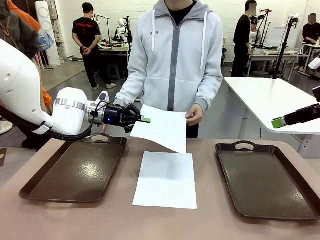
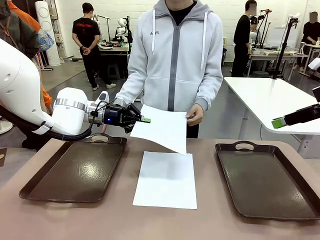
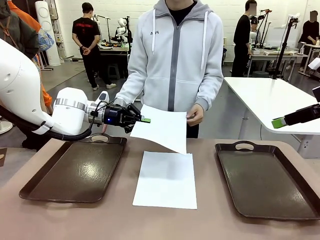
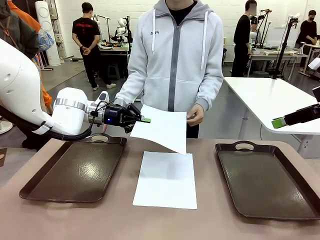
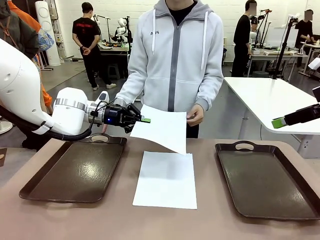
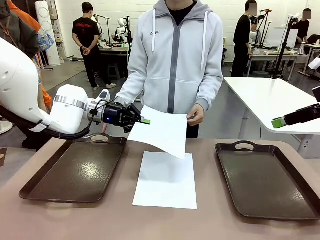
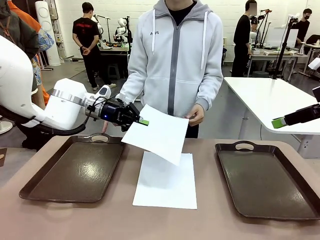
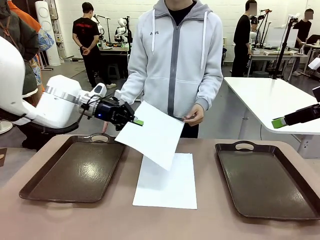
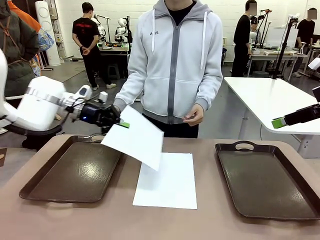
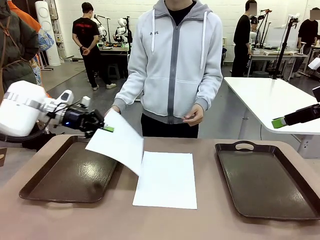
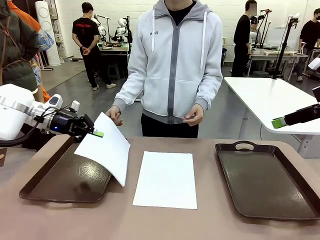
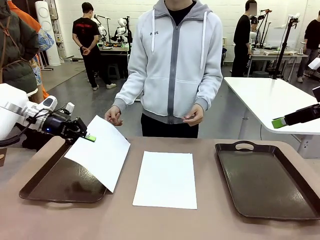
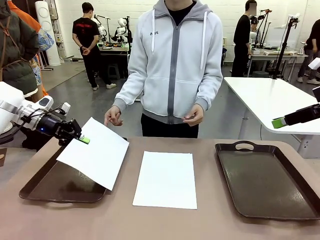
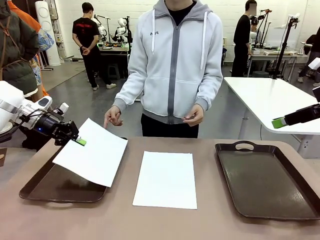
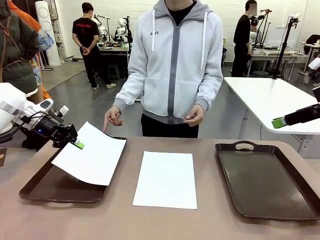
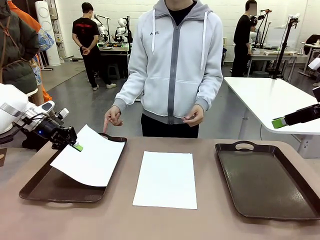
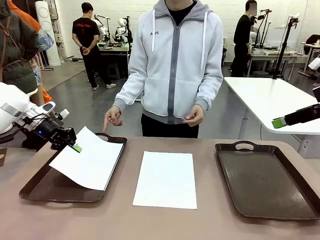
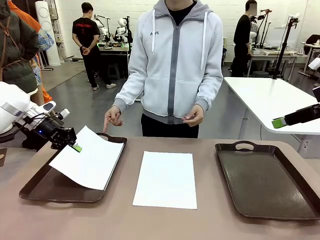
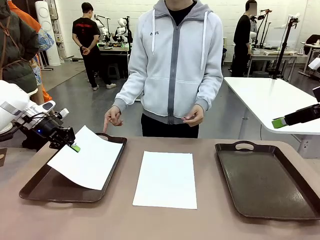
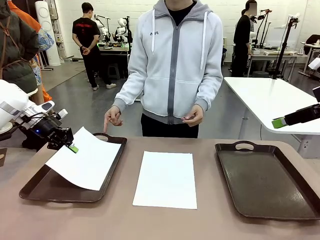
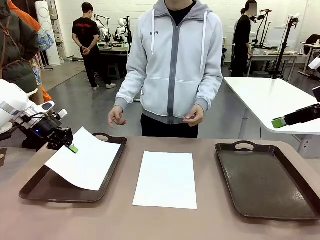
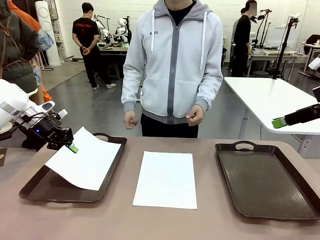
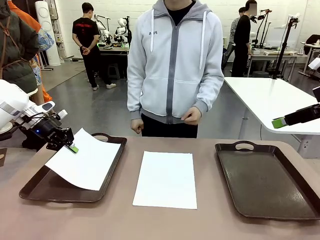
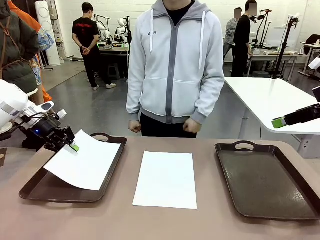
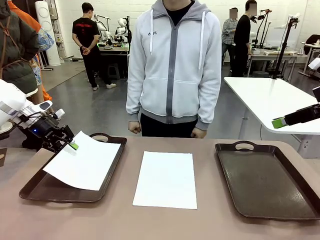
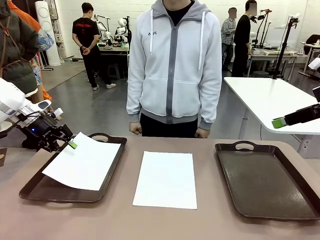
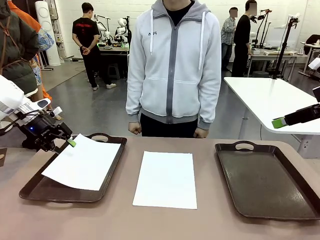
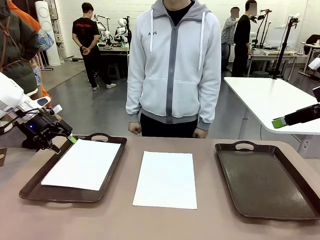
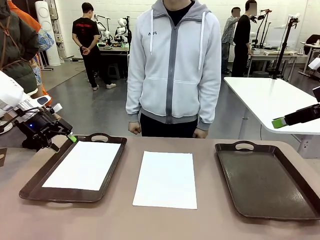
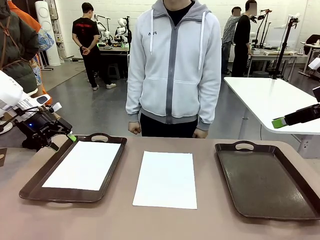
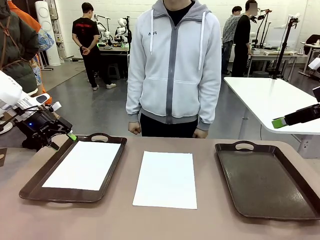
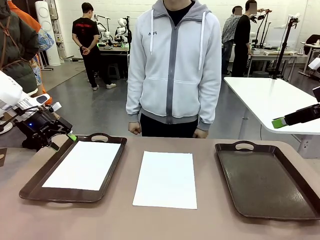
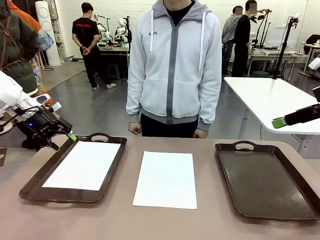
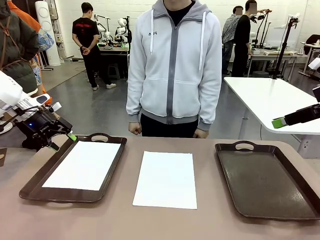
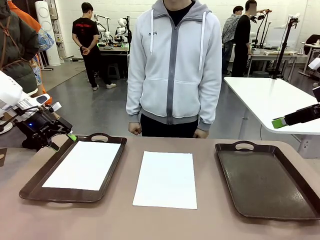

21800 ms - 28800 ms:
Task: Sort the A4 documents.
Robot: Place the A4 Paper in the designated Handle tray.

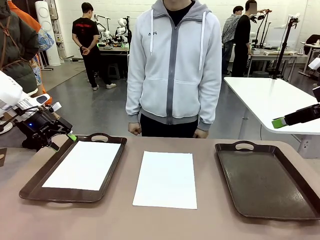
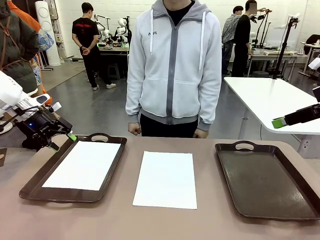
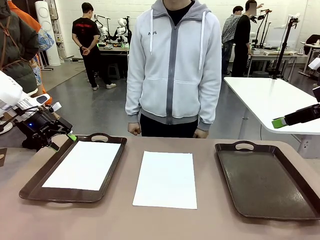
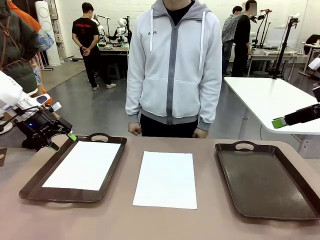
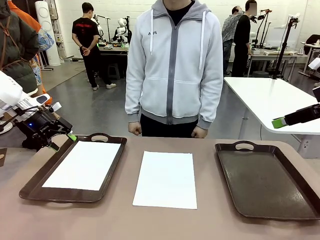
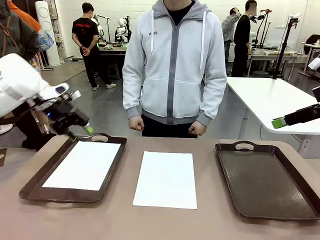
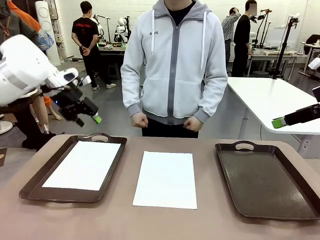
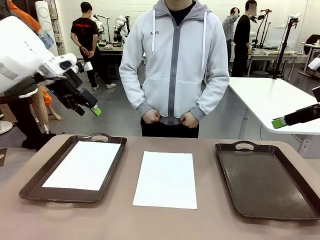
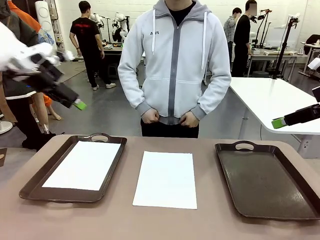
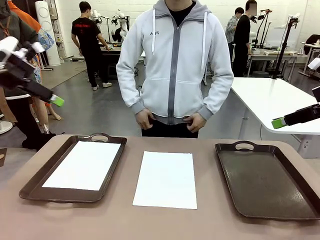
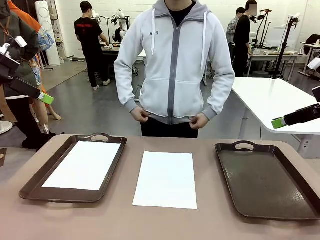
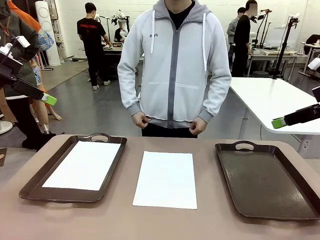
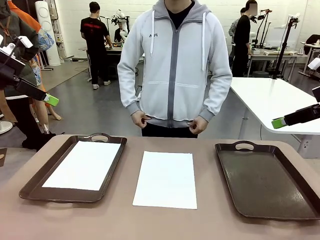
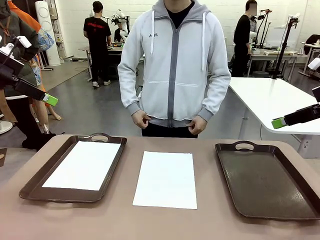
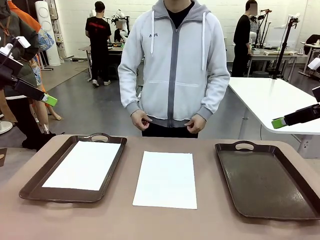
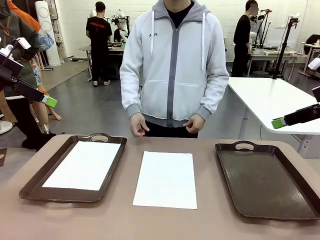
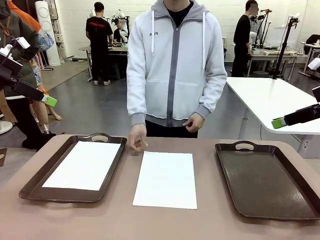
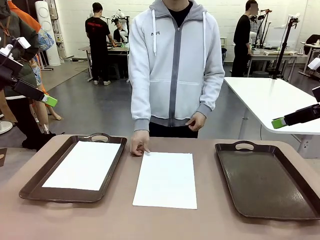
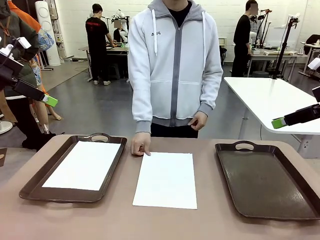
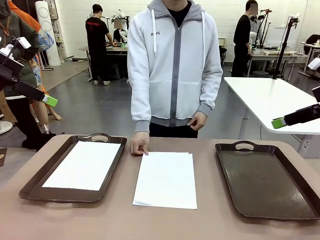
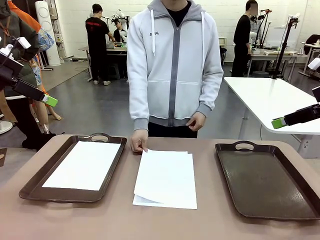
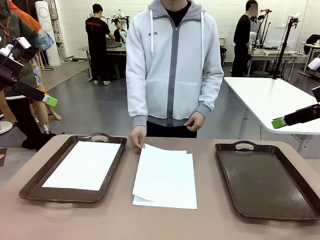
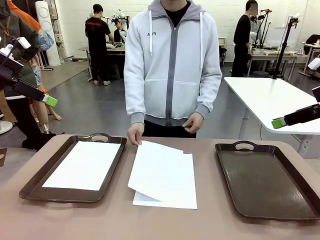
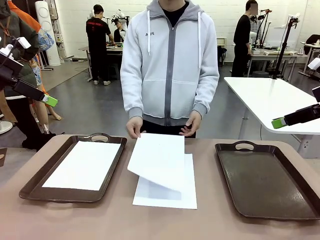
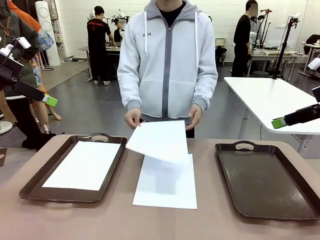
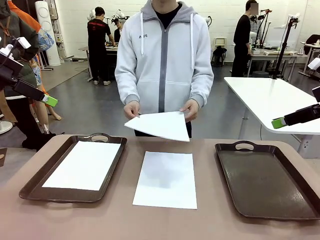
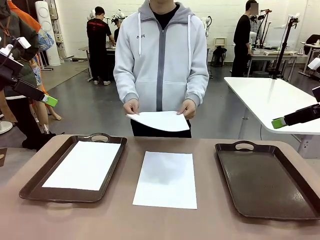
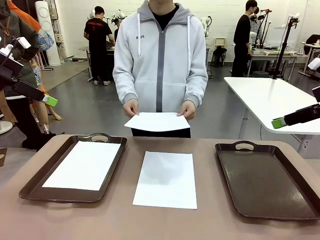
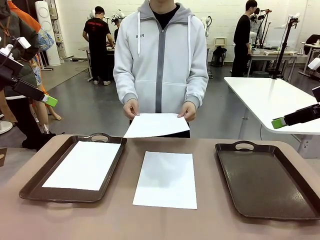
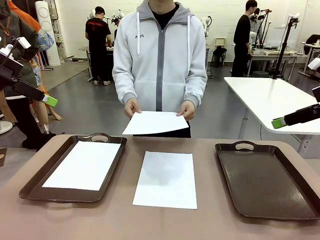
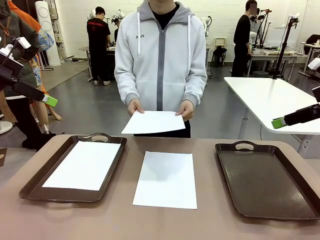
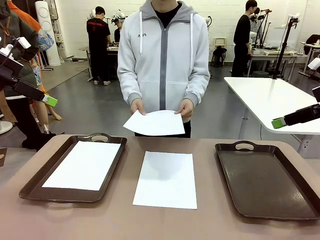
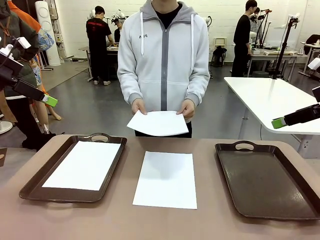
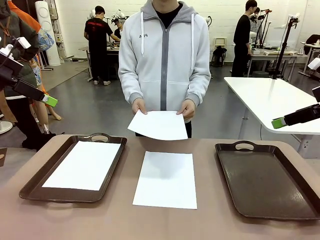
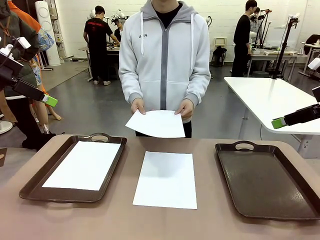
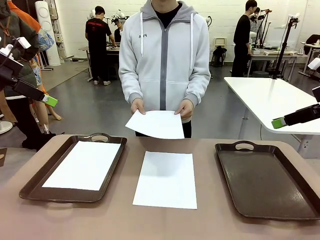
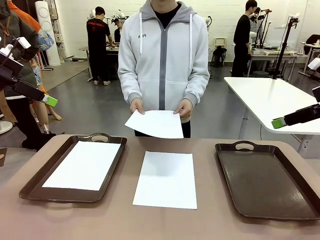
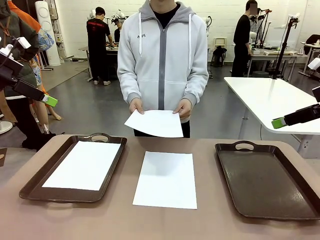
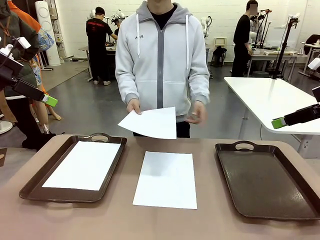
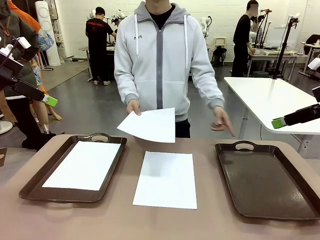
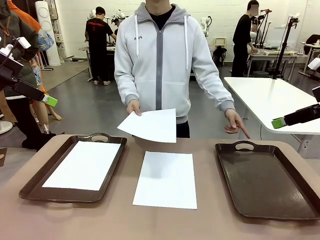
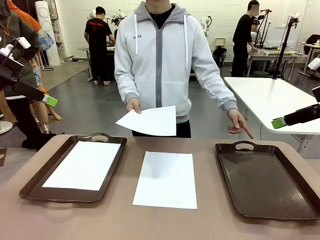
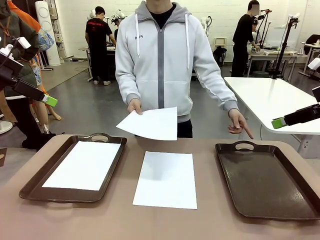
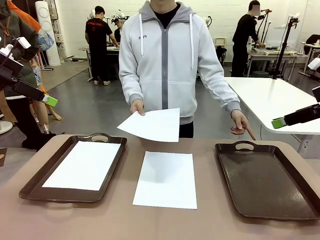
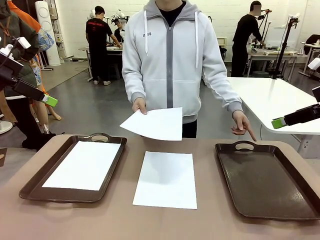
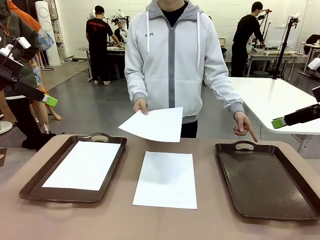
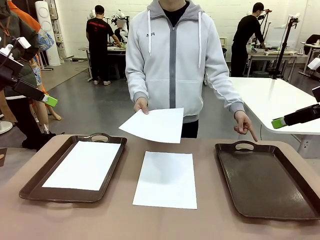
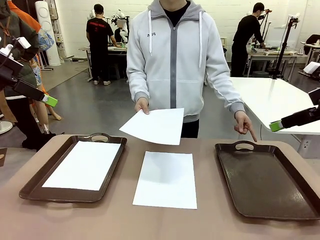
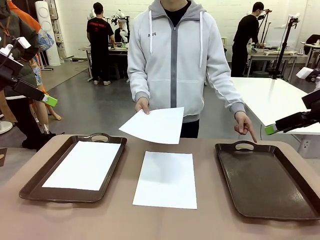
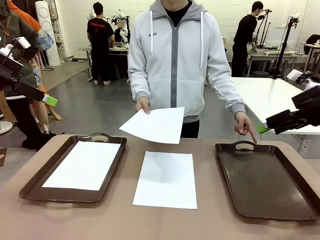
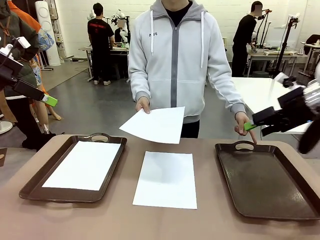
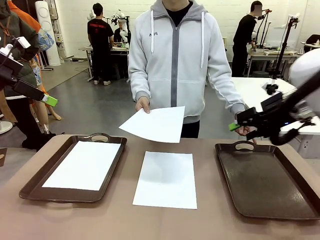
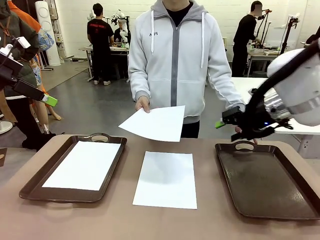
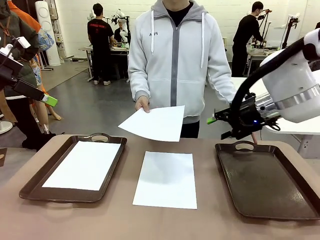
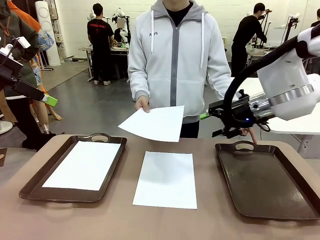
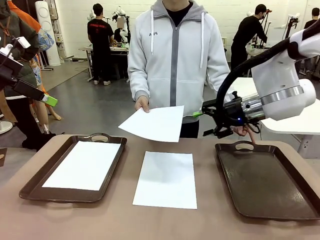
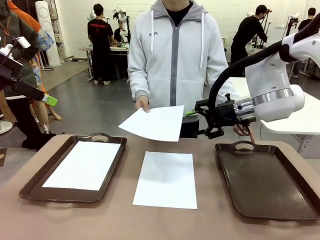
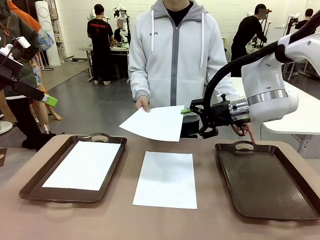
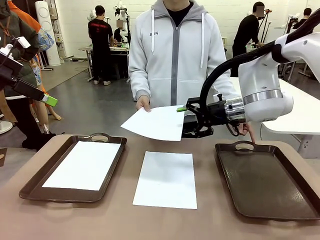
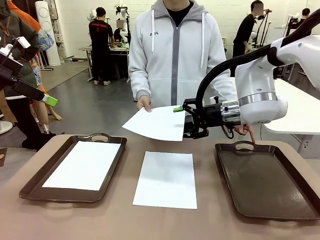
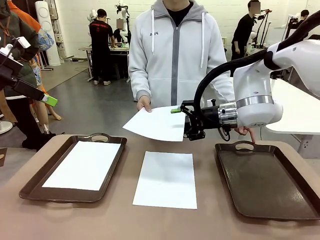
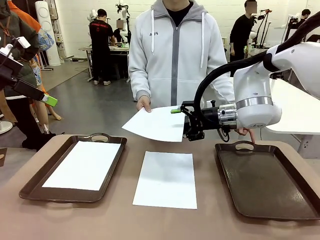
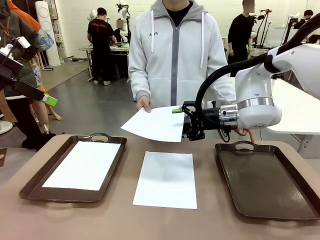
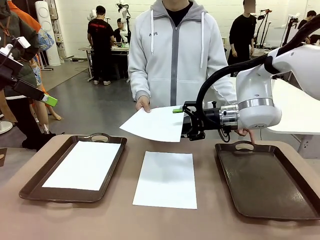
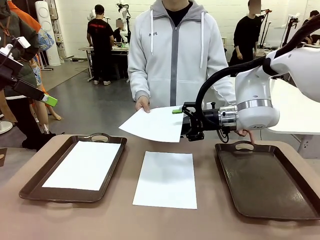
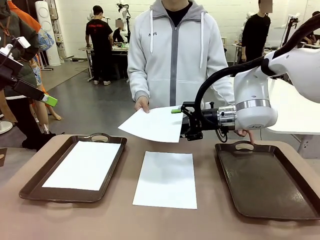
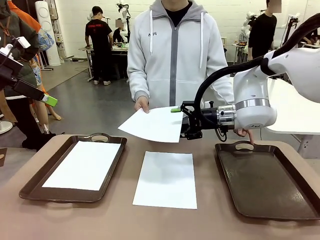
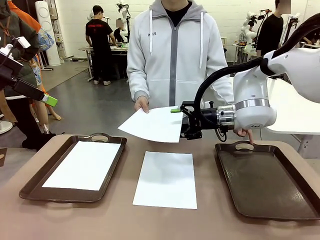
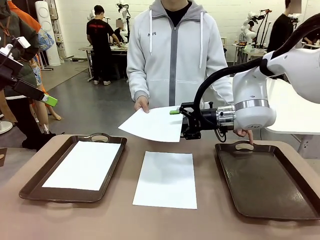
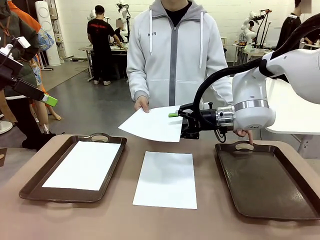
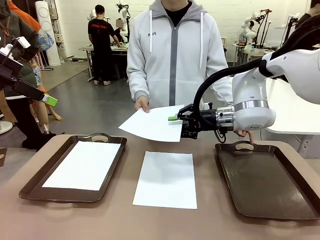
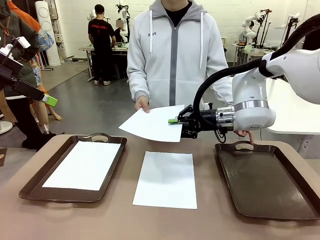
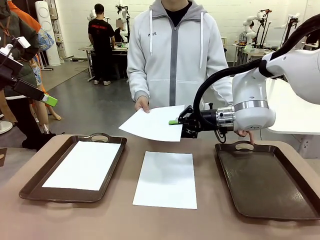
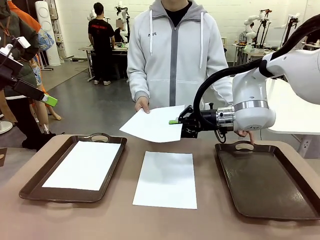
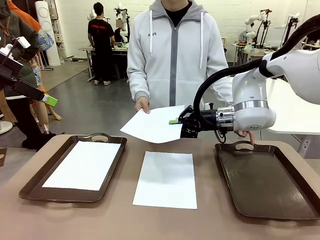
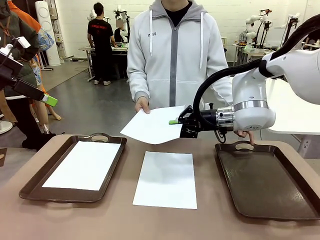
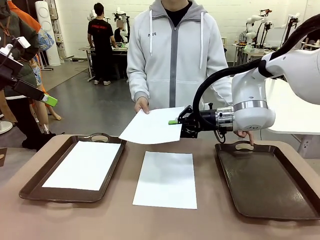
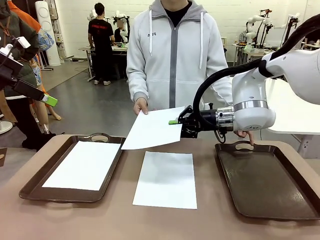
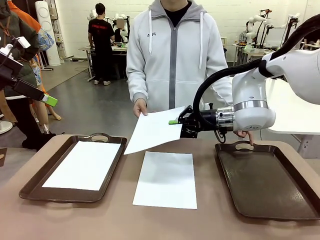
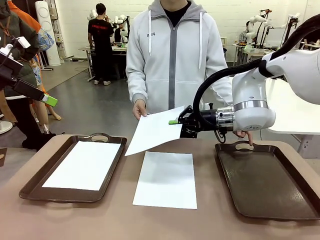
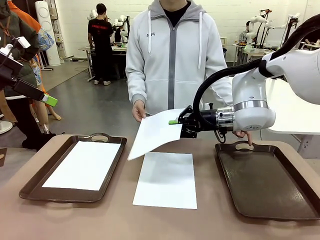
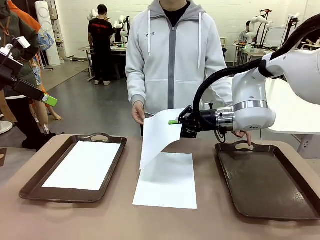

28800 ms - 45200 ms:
Robot: Receive the A4 Paper.
Person: Point the randomly selected tray with the other hand.
